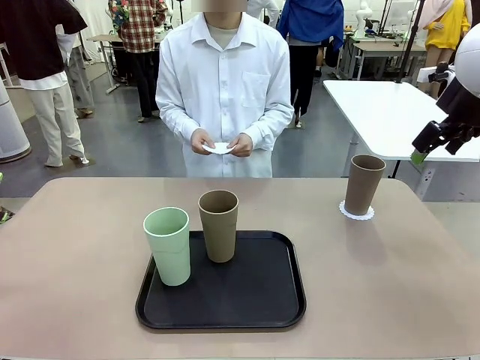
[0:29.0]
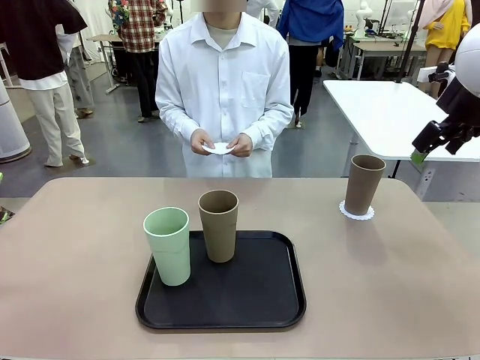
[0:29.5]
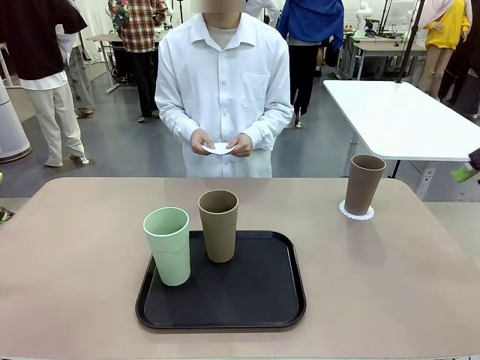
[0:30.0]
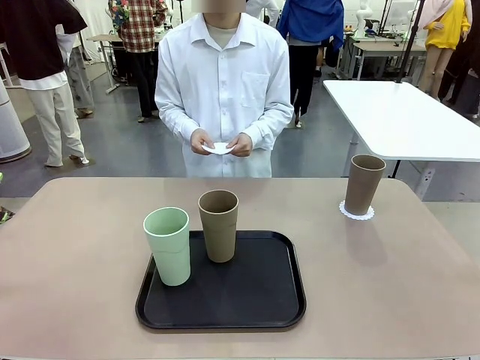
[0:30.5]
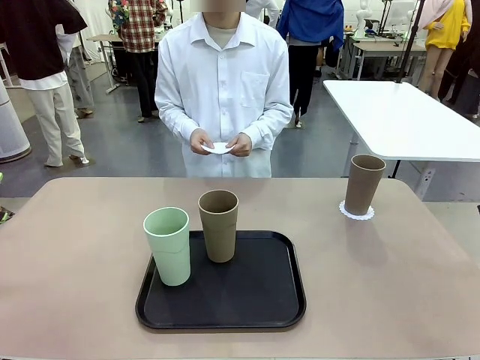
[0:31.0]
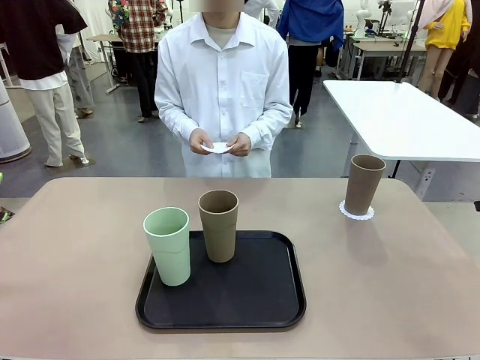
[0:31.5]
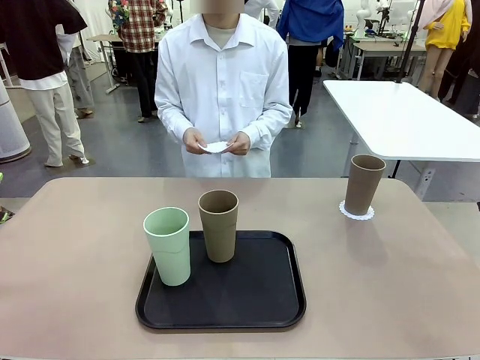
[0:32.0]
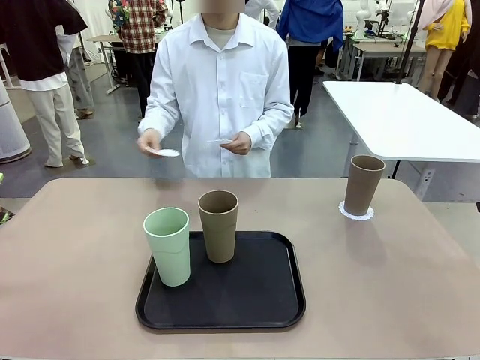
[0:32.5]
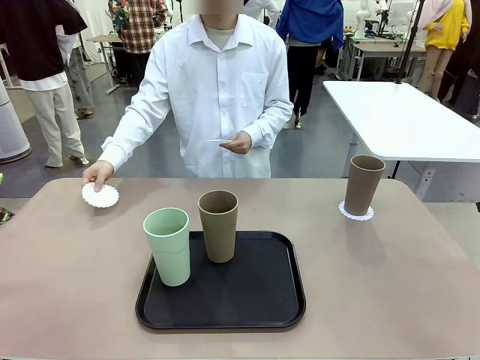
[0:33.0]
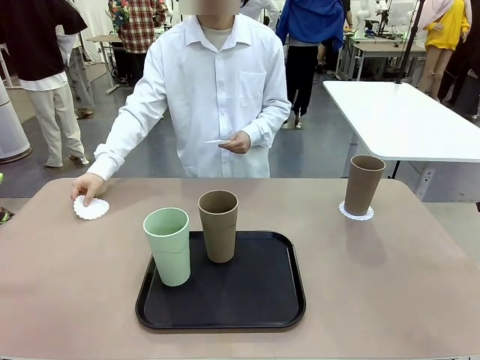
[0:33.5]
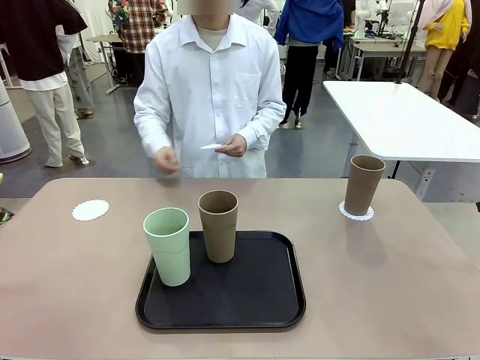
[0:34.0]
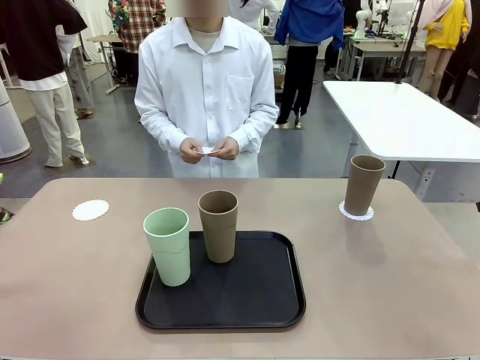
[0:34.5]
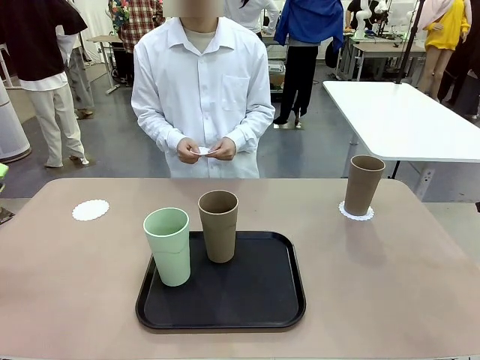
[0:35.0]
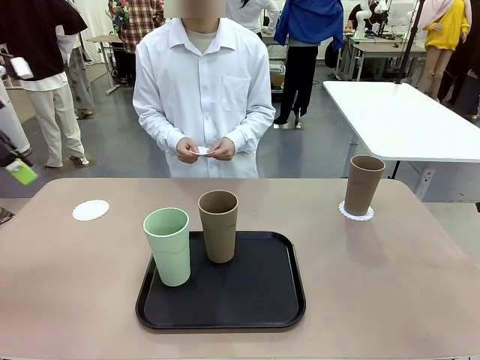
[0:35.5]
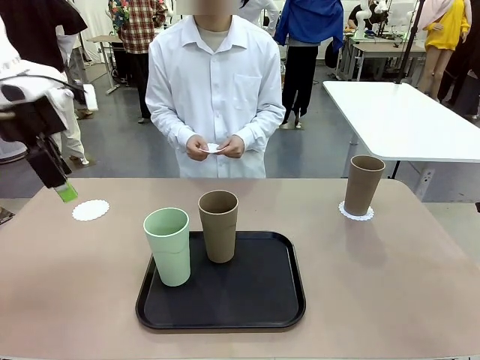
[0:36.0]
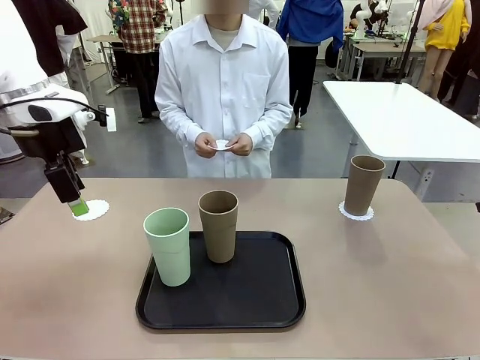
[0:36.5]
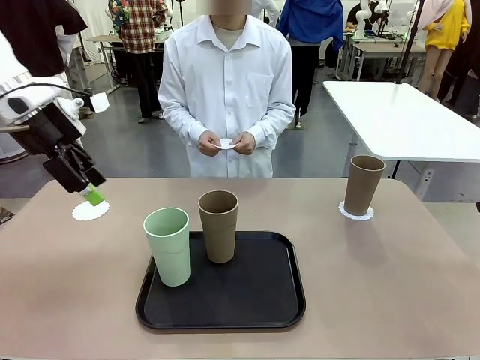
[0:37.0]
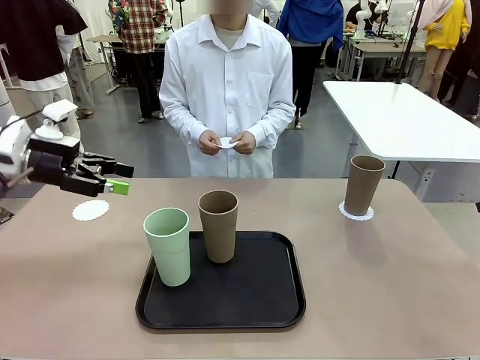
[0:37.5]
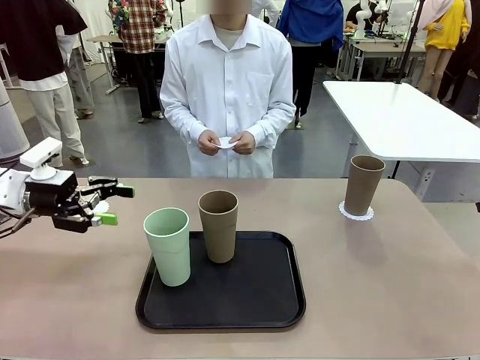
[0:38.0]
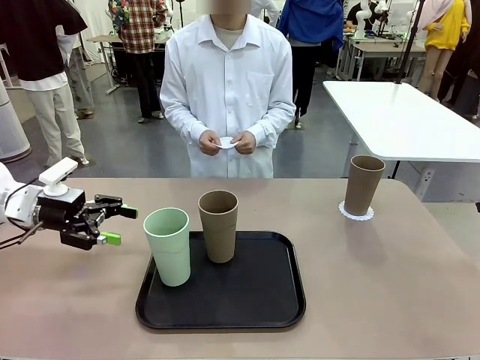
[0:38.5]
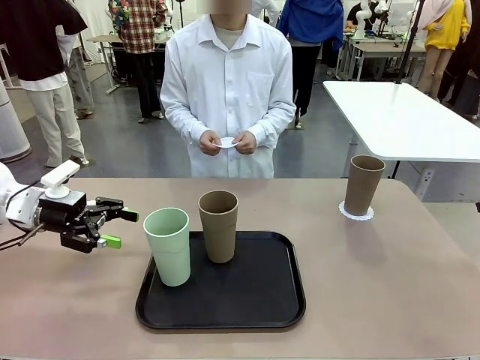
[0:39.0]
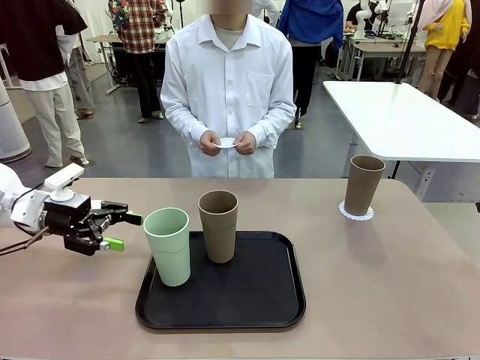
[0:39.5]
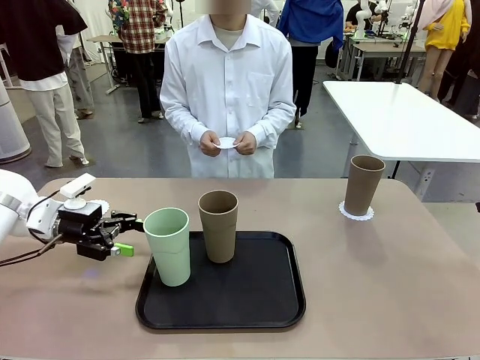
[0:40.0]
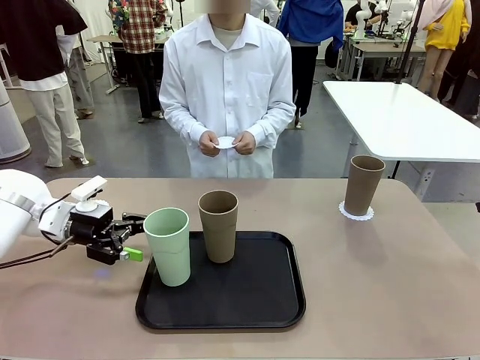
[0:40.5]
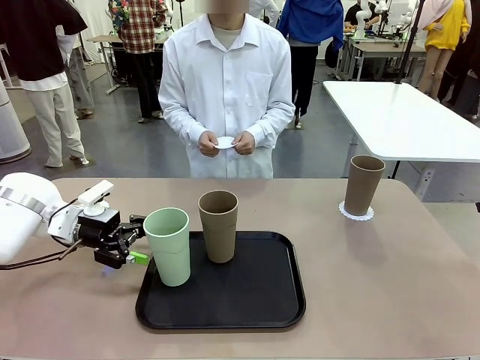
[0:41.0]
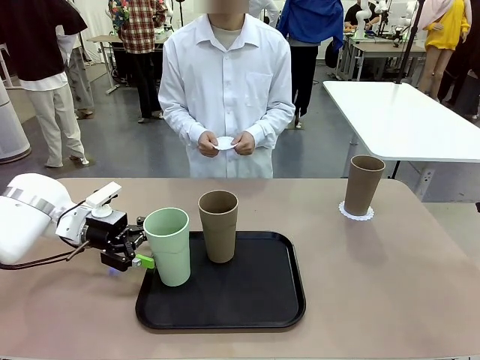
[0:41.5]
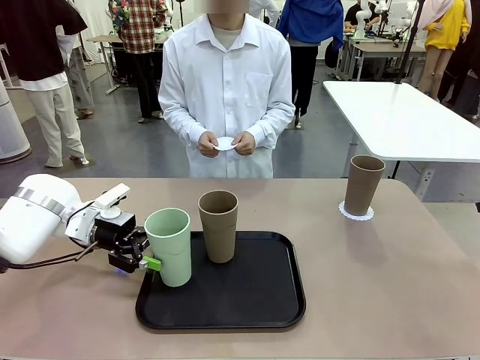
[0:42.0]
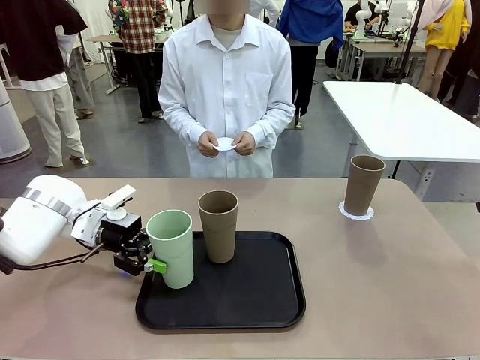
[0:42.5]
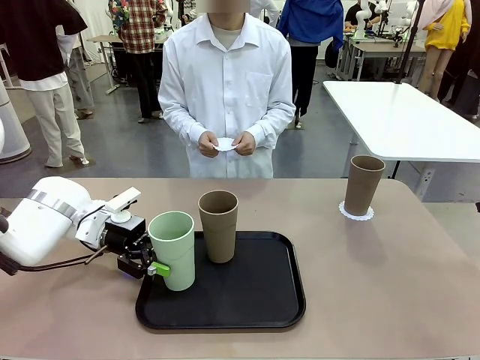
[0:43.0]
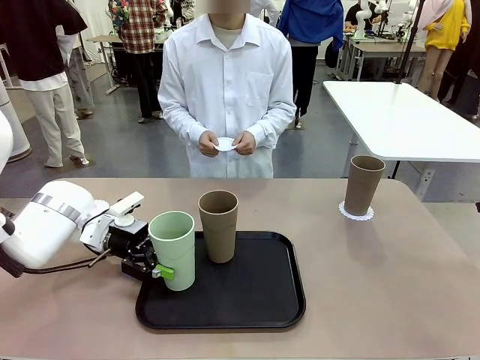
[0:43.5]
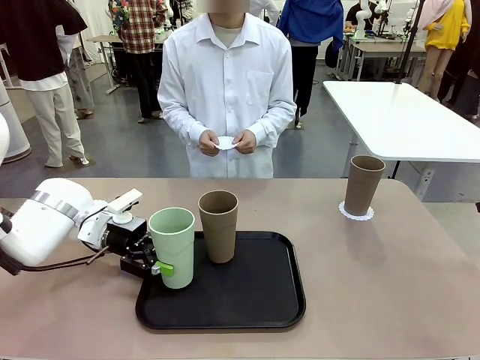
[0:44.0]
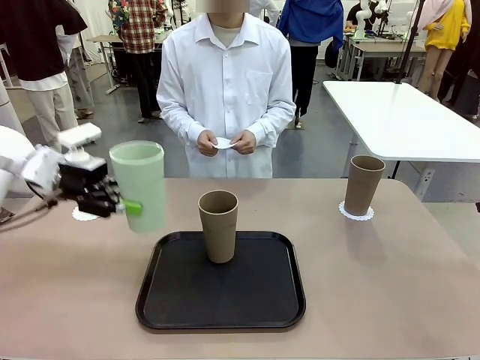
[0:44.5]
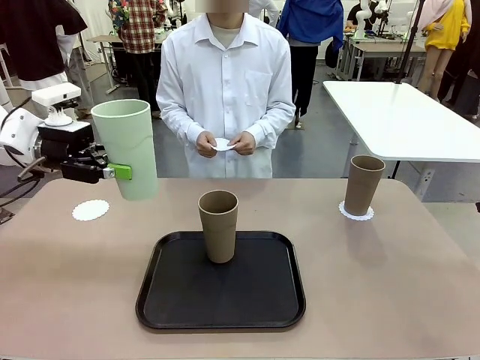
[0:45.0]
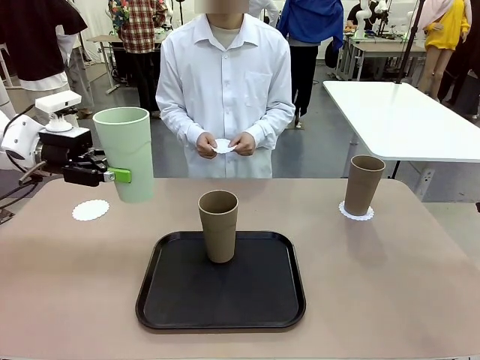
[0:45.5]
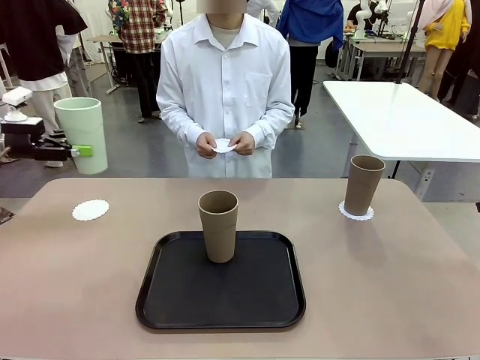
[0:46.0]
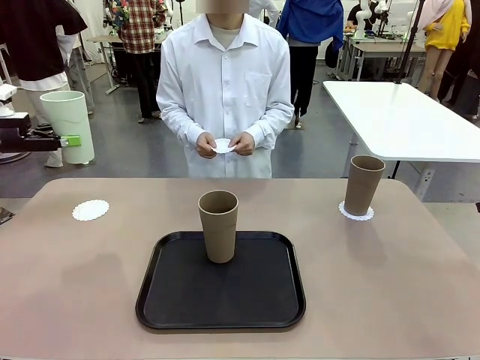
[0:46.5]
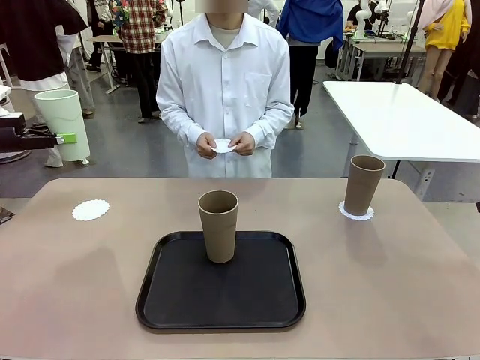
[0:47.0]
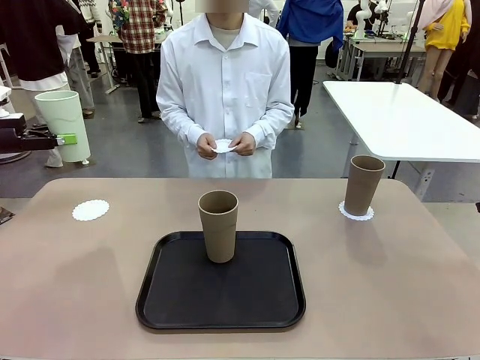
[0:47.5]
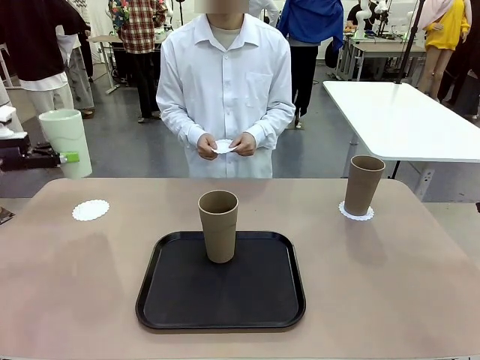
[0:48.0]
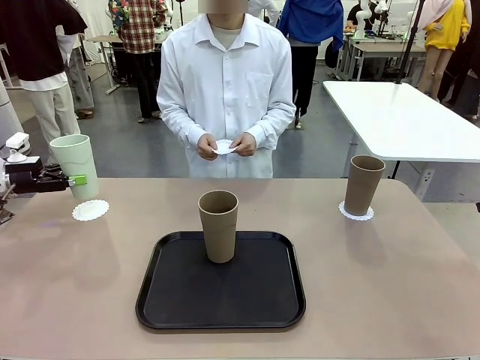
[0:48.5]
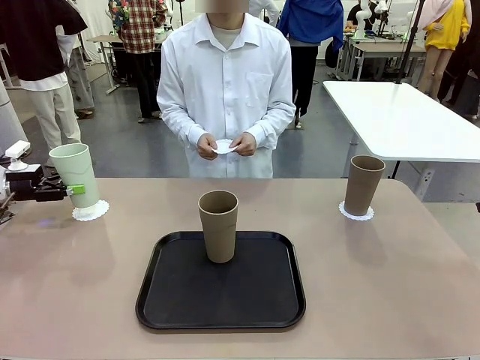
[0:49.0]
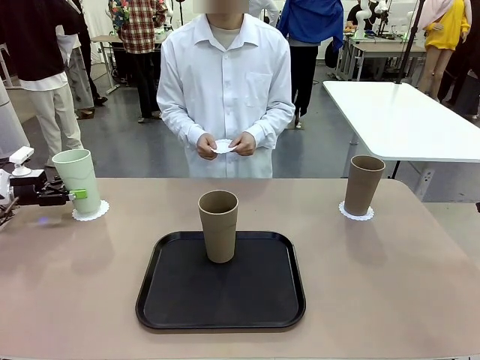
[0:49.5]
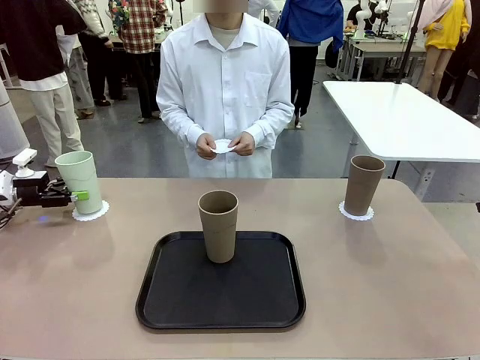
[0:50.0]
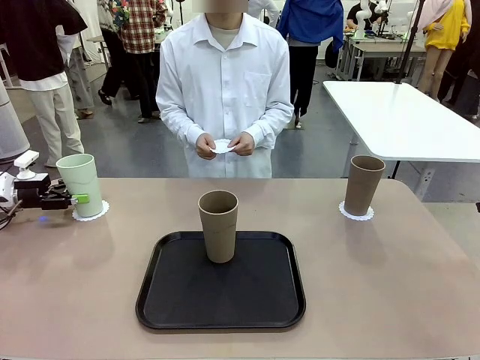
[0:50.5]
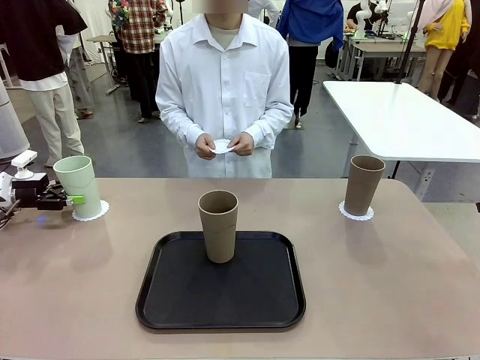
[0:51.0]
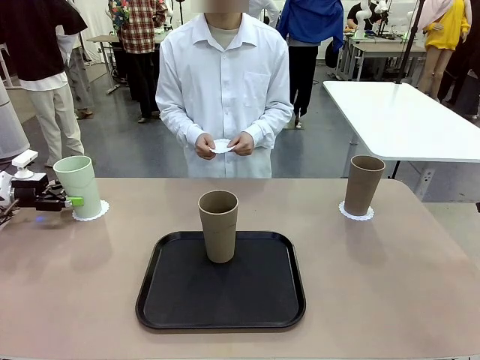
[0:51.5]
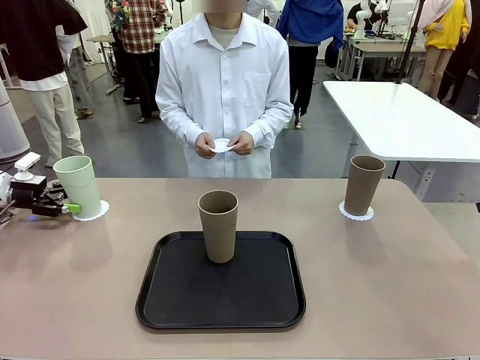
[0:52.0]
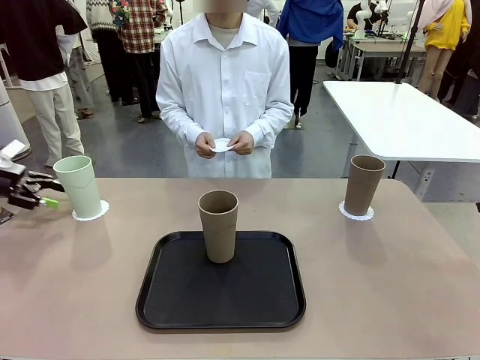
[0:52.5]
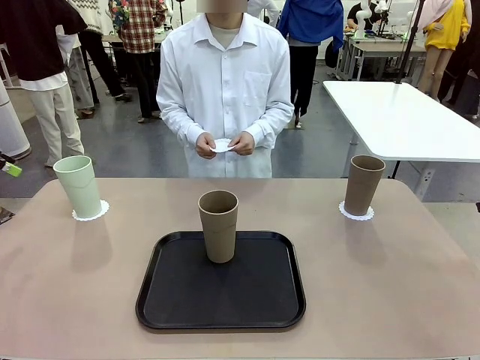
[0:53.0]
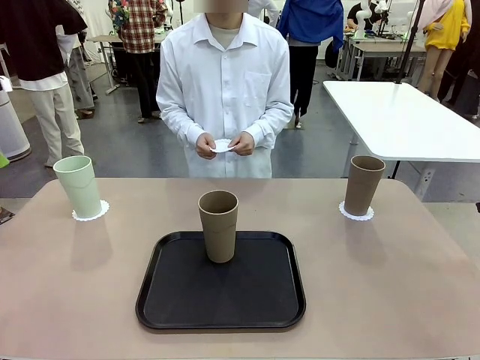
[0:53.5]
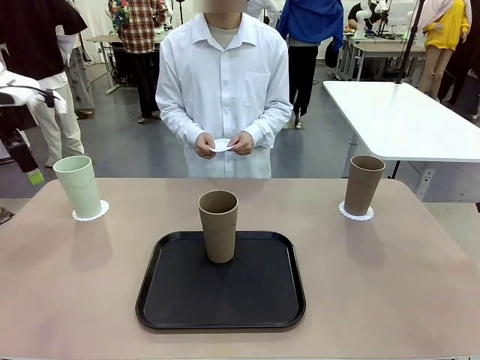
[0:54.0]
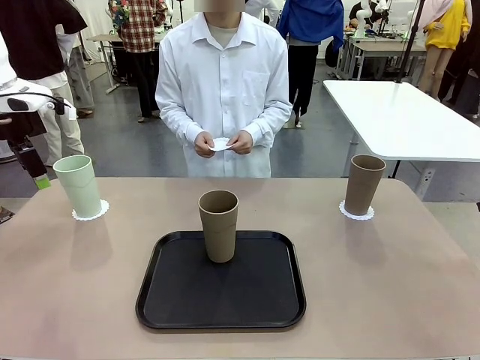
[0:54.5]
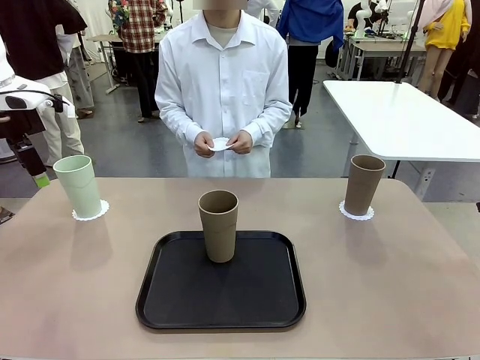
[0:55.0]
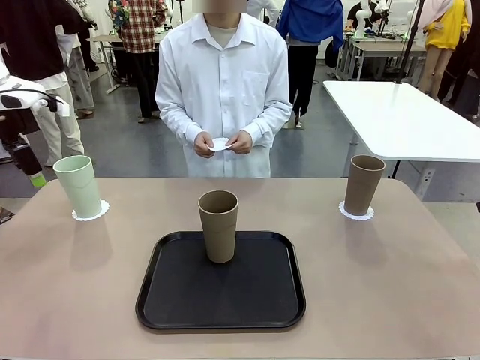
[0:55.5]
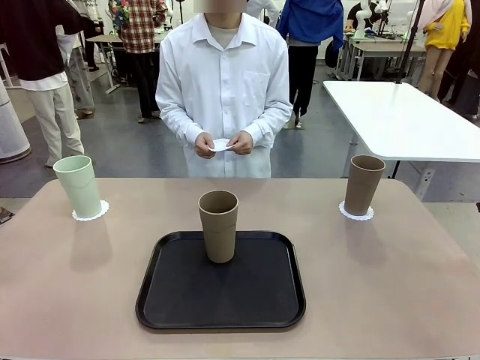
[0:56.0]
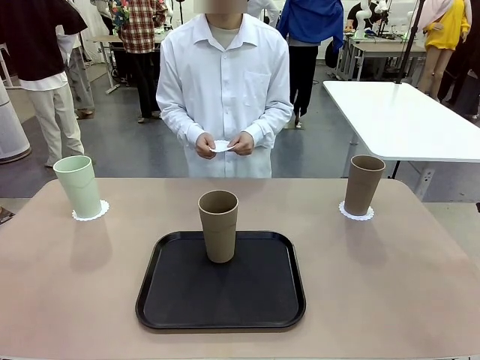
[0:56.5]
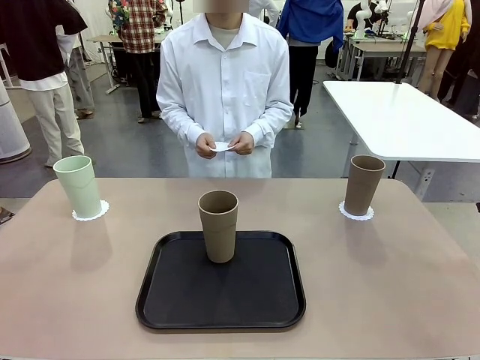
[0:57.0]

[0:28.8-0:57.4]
Task: Place coasters on the table and set cups on them.
Robot: Take one Reusable plastic cup from the Flat Tray and place it on a coaster set by the human.
